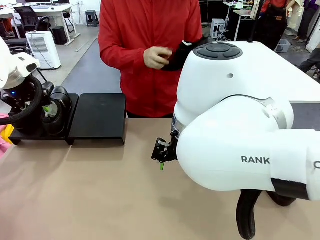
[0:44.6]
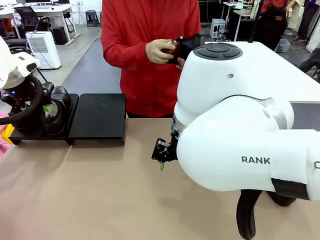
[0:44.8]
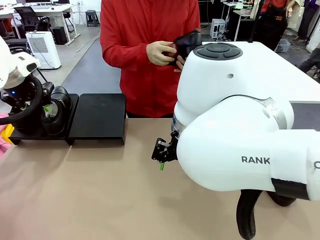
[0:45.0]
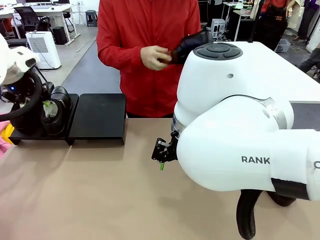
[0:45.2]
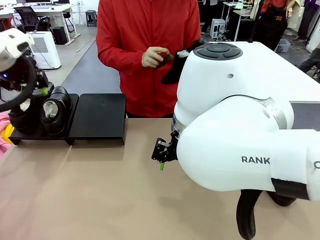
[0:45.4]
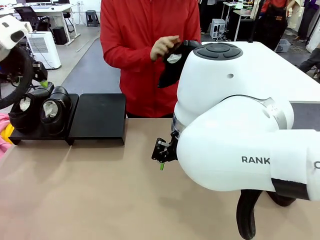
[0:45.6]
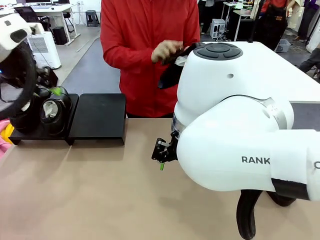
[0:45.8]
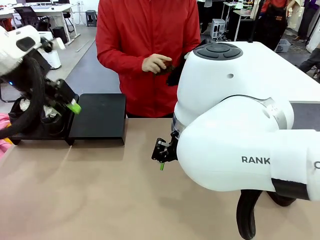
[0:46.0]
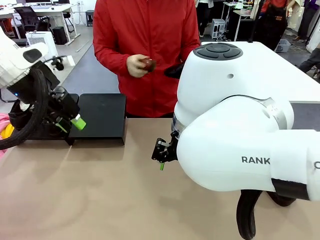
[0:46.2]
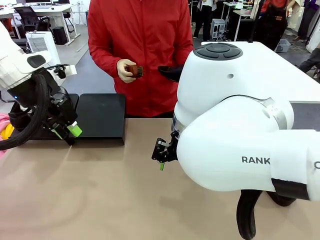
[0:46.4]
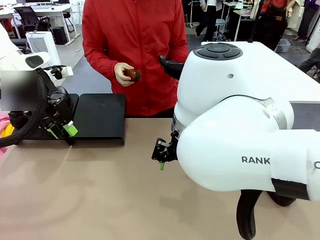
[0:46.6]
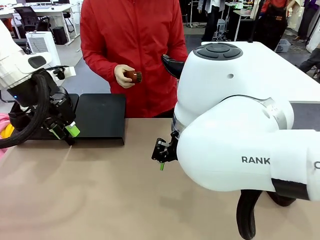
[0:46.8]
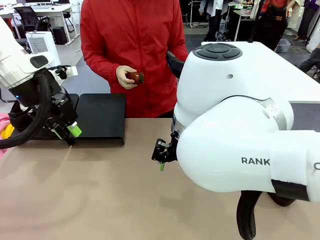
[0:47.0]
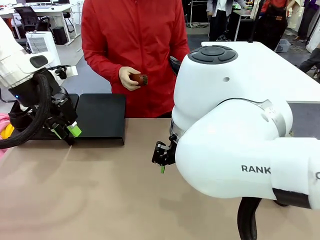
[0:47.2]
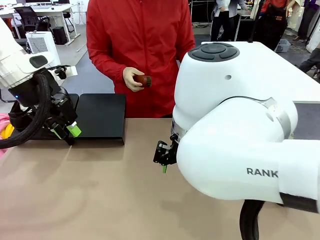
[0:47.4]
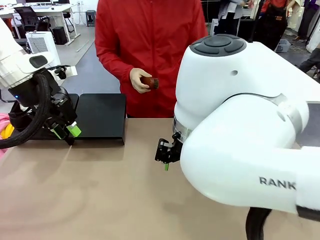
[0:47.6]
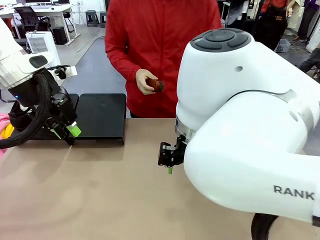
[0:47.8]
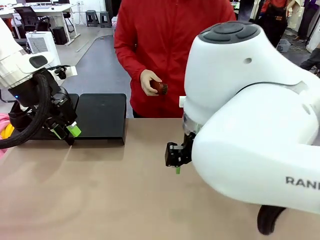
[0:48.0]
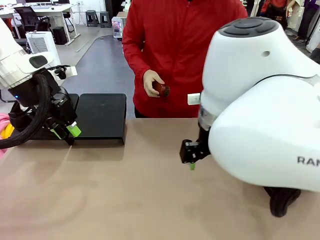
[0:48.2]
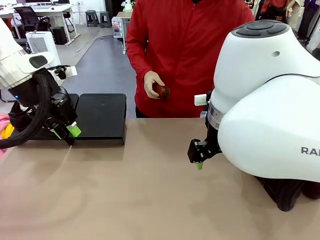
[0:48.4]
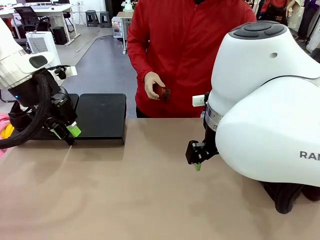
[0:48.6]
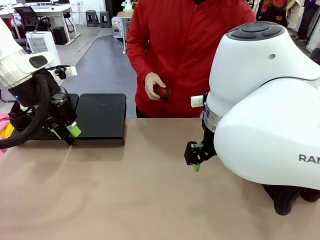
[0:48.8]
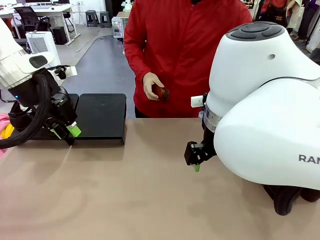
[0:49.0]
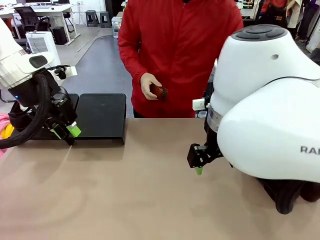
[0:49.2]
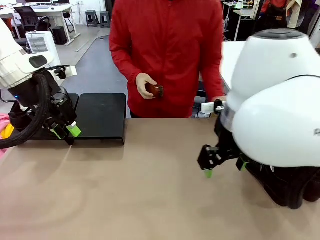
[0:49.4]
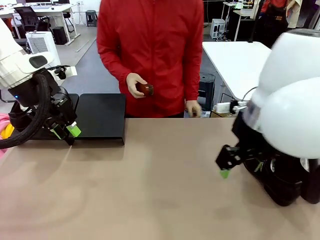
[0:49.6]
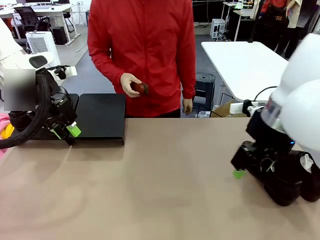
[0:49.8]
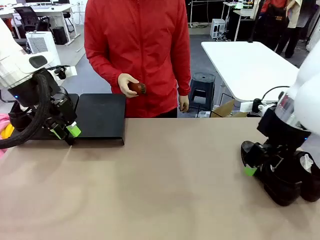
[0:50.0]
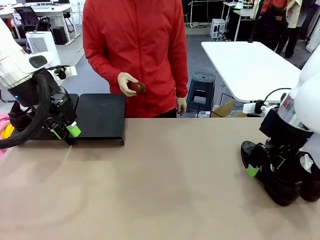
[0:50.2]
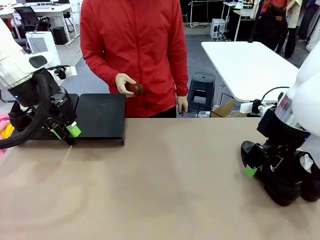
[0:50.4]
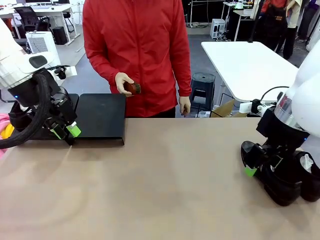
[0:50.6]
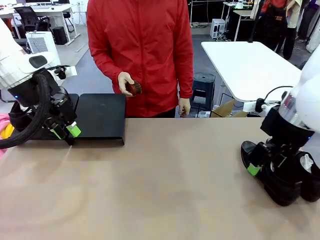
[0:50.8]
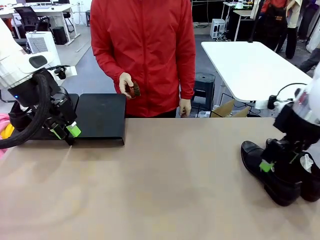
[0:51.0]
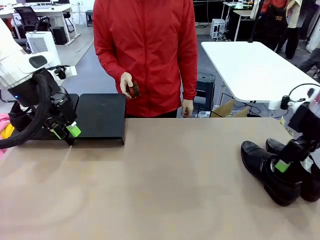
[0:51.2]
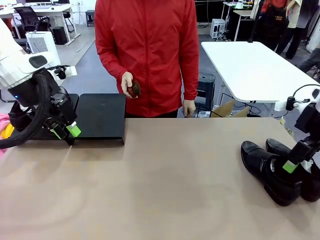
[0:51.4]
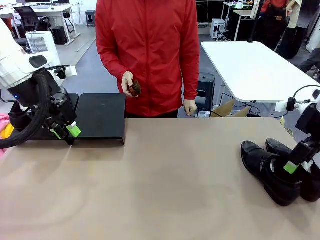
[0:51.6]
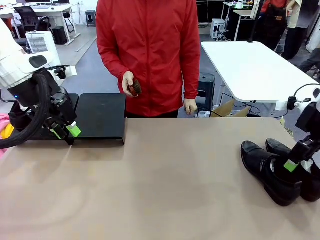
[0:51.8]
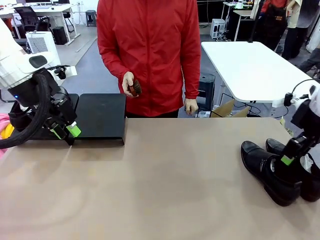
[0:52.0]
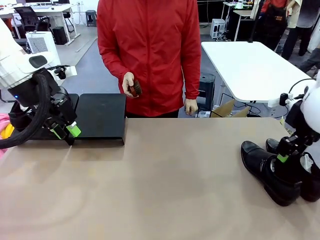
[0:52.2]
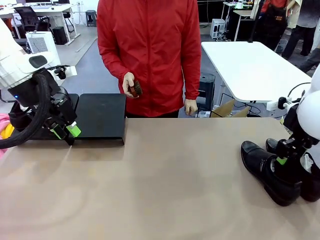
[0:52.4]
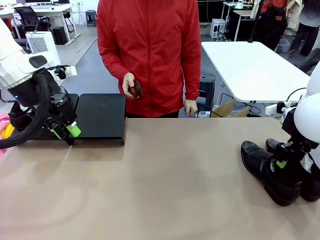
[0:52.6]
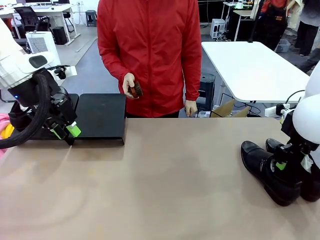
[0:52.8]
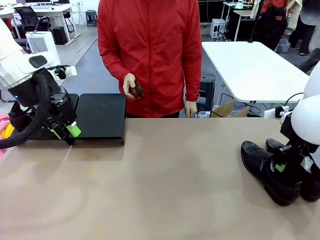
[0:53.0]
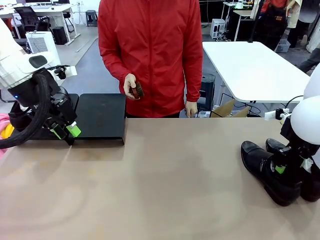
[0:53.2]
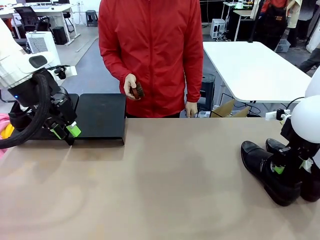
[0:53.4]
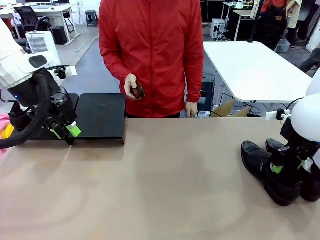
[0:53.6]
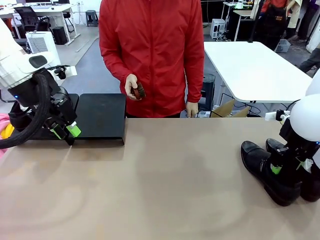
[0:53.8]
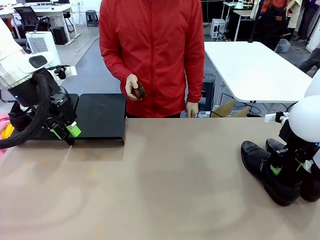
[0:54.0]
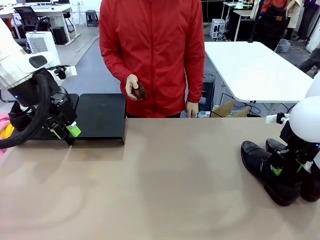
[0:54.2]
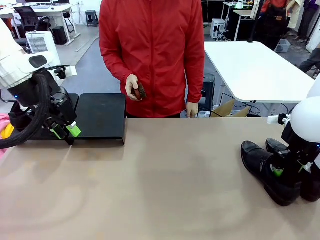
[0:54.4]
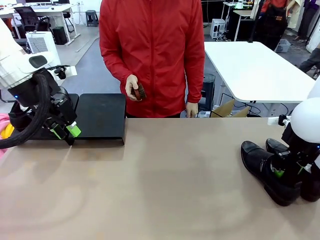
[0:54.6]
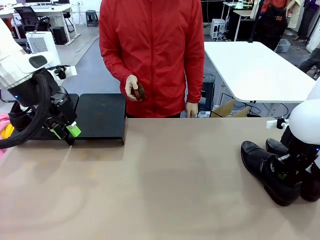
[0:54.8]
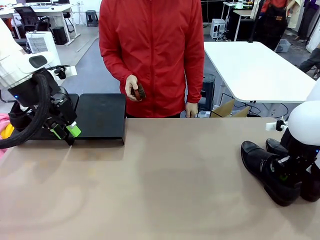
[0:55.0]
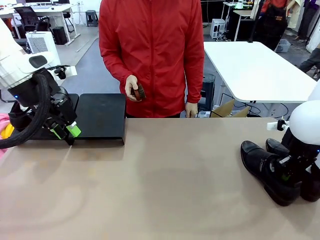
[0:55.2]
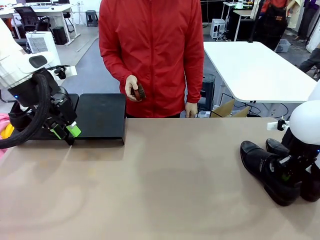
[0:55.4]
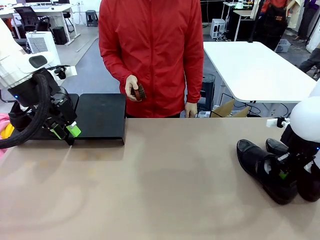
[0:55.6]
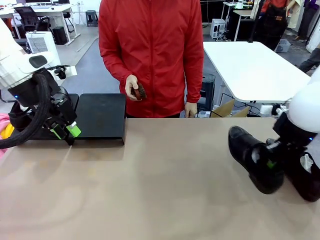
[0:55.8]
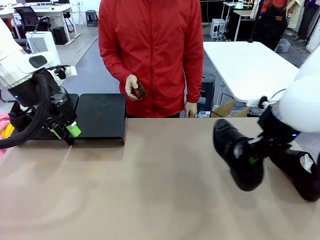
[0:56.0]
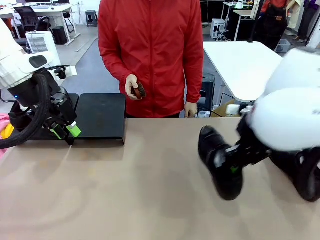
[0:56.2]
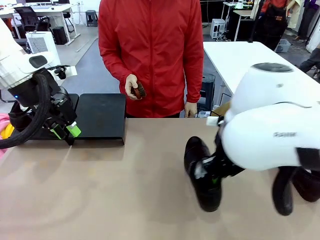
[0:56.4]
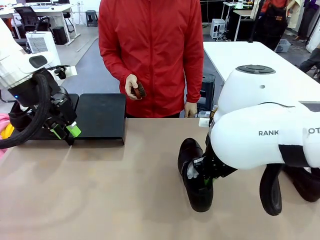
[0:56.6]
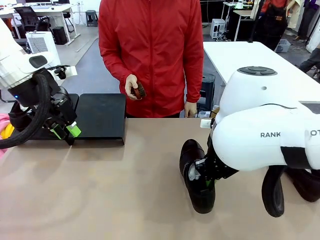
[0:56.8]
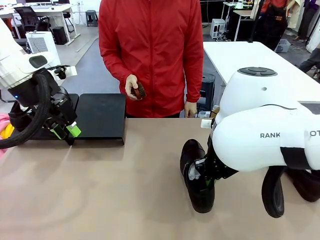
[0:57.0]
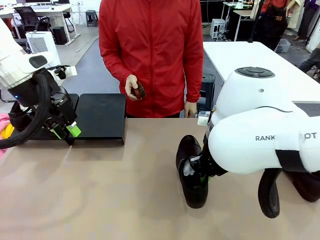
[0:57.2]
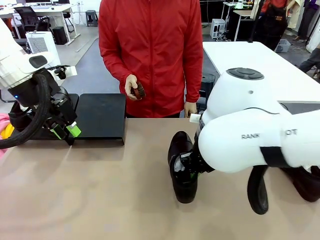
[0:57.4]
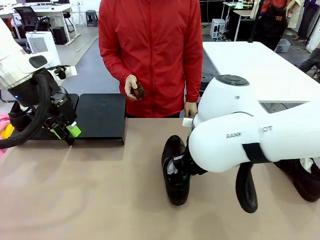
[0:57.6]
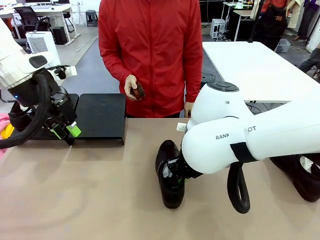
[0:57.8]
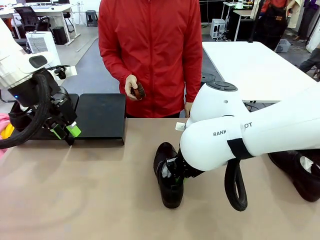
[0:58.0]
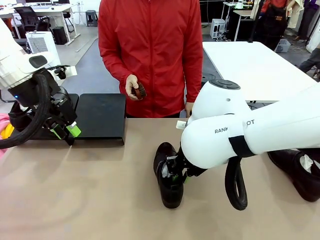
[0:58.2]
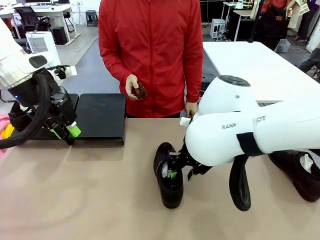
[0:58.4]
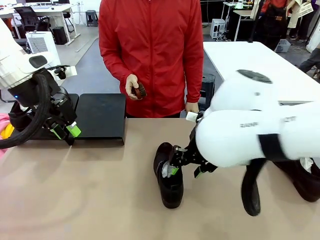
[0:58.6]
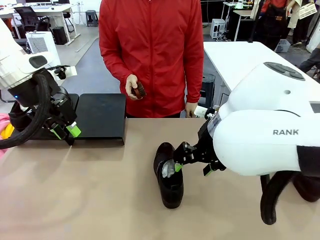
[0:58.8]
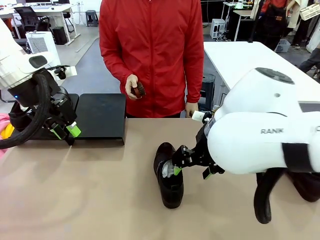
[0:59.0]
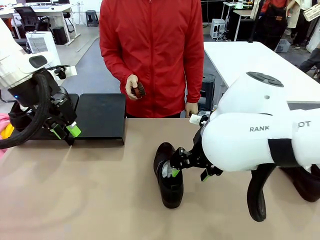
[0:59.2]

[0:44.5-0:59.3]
Task: Organize the shoes by placing them on the stand.
Robot: Pick up one Shoe and place it in the middle of the table.

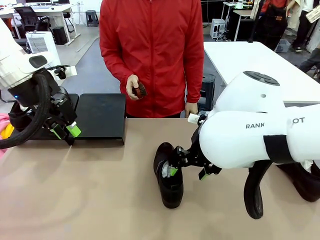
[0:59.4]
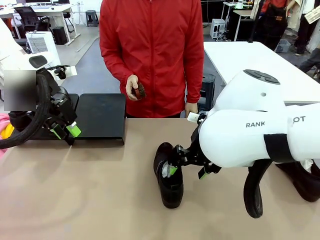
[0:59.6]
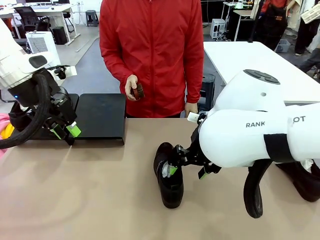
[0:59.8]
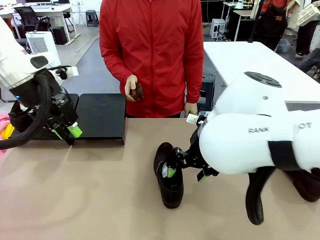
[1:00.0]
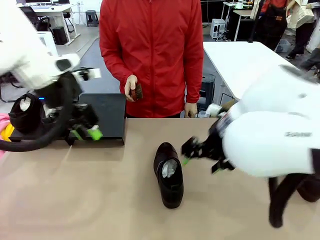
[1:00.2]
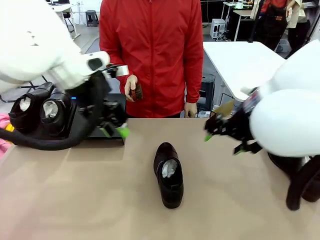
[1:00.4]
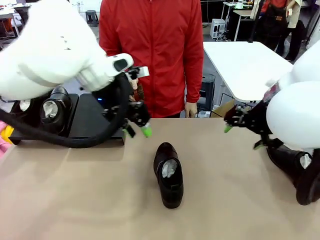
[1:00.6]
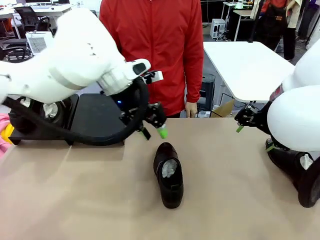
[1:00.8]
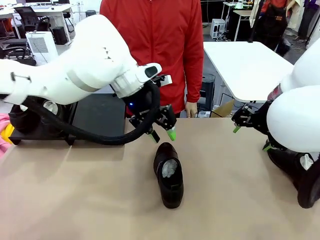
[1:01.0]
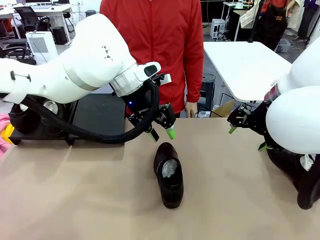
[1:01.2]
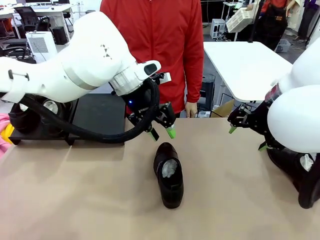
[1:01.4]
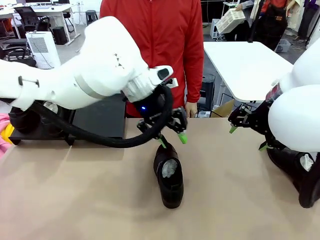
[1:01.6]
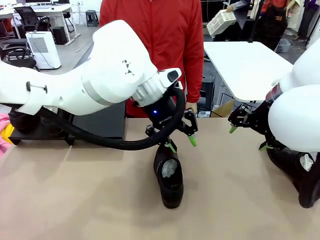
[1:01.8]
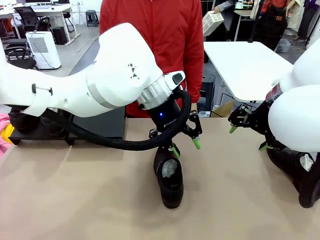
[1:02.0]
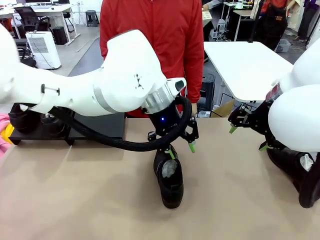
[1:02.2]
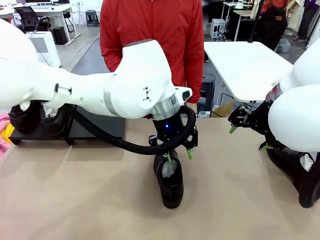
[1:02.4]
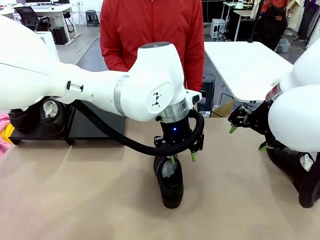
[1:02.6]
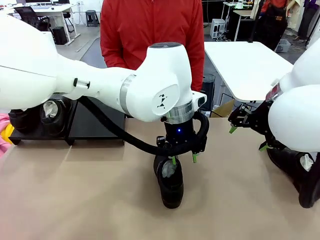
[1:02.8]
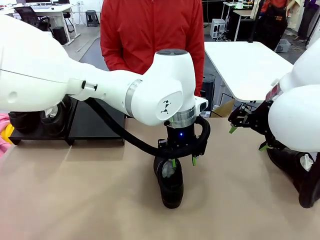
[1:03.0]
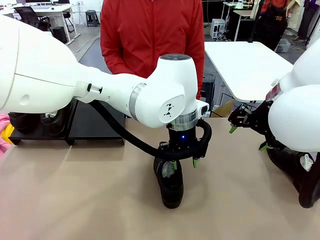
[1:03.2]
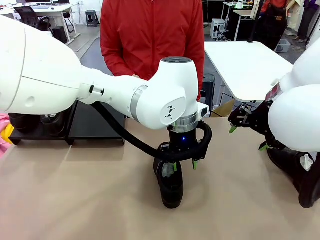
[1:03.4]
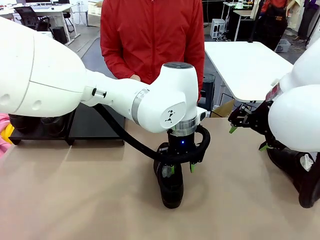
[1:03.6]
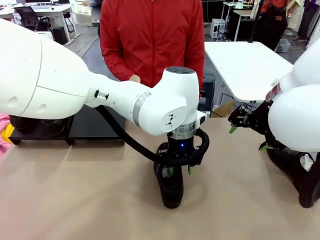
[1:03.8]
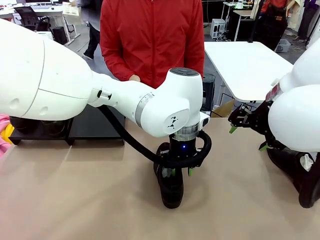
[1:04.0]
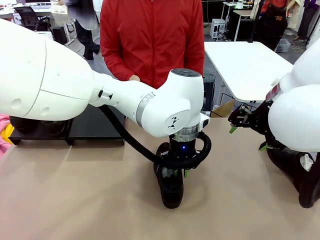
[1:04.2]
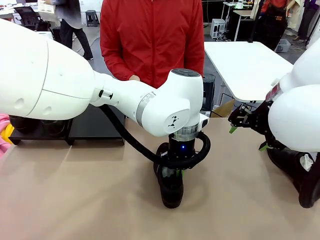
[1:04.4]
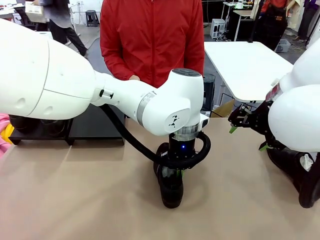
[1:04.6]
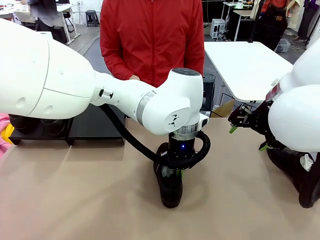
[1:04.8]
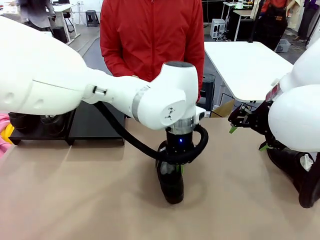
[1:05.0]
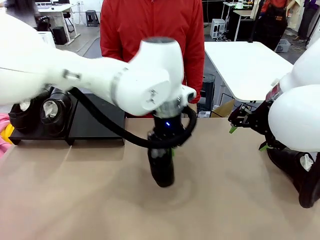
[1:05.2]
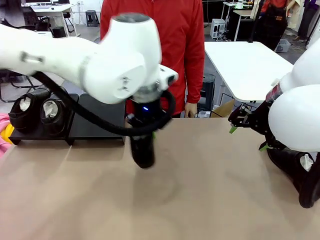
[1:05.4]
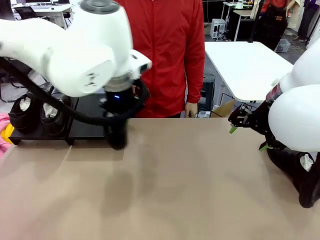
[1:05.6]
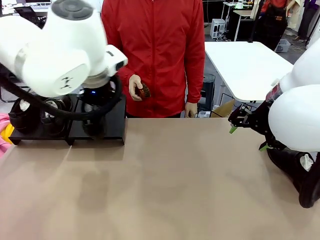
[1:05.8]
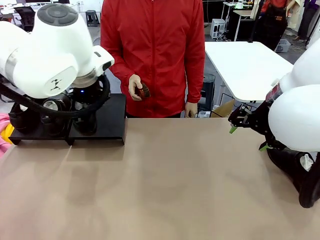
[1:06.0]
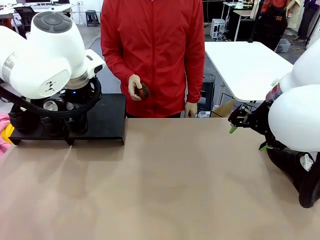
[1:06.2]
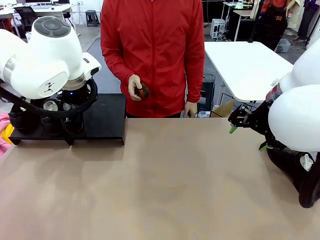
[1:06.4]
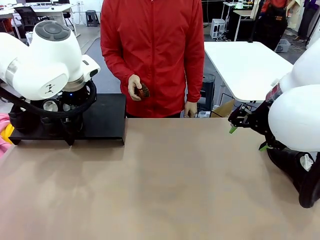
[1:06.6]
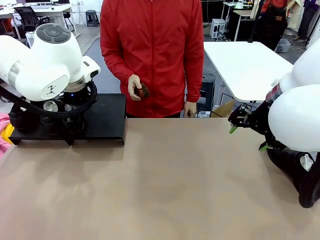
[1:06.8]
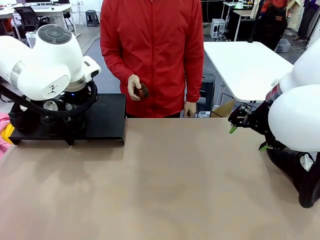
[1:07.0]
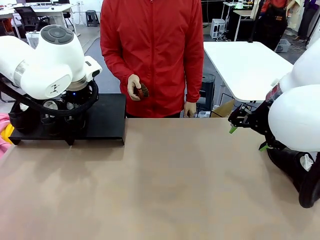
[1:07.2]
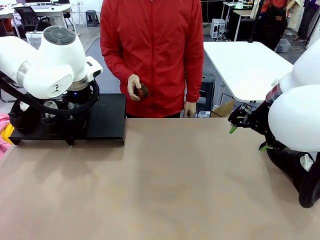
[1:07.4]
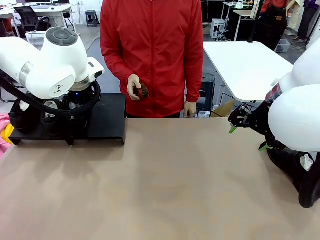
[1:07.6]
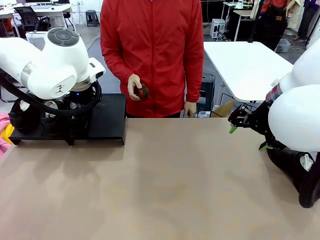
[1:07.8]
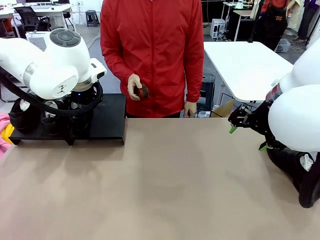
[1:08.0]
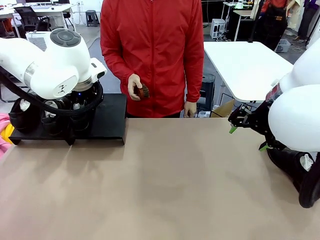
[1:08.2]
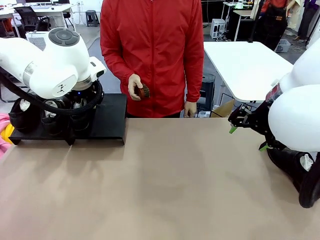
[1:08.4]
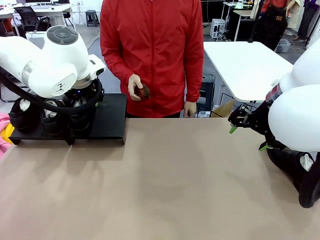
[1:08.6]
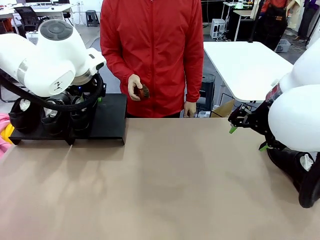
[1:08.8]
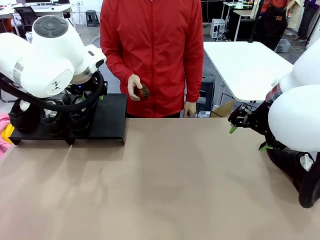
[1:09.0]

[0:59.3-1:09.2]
Robot: Place the Shoe from the middle of the table onto the Shoes Stand.
